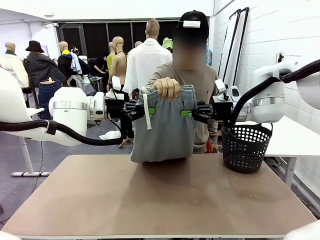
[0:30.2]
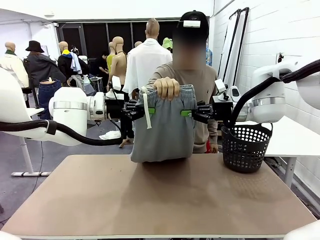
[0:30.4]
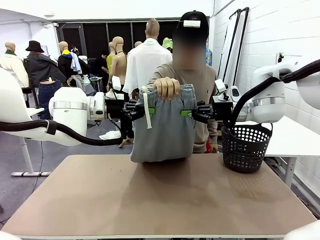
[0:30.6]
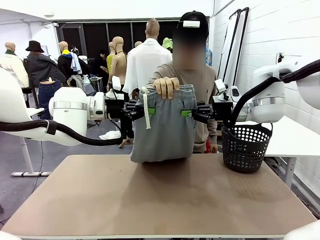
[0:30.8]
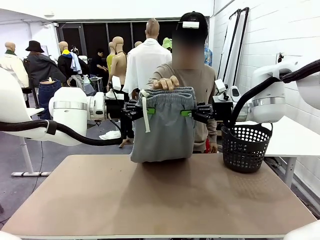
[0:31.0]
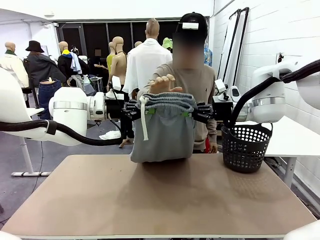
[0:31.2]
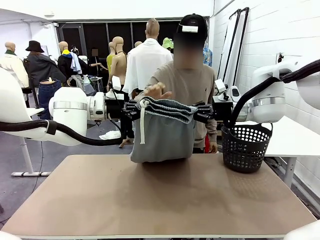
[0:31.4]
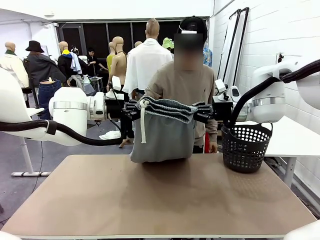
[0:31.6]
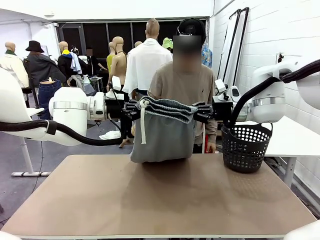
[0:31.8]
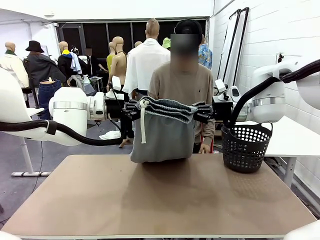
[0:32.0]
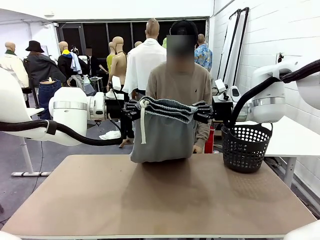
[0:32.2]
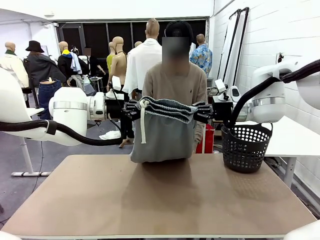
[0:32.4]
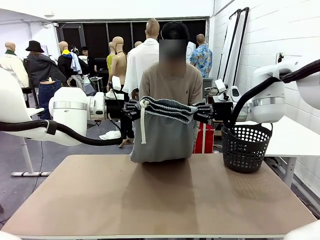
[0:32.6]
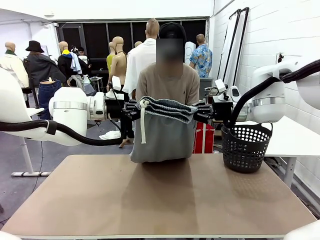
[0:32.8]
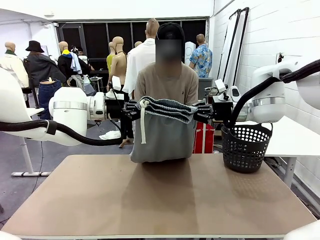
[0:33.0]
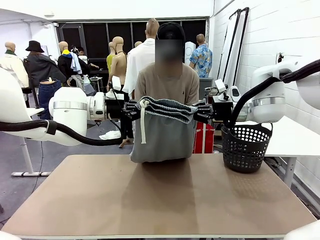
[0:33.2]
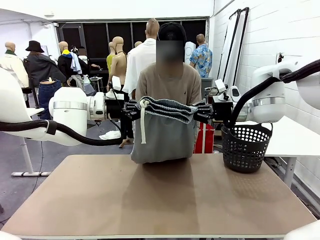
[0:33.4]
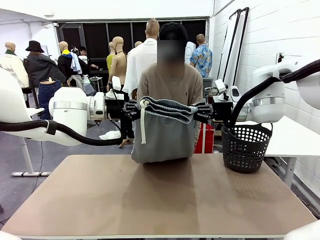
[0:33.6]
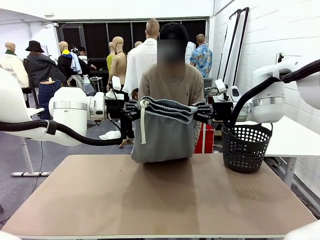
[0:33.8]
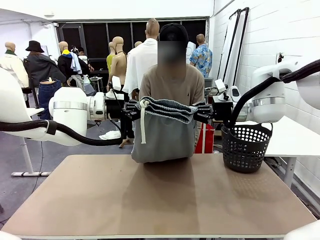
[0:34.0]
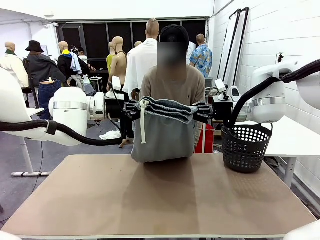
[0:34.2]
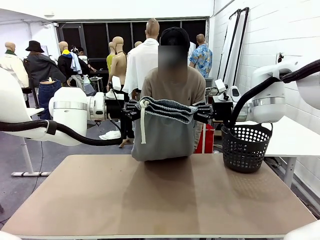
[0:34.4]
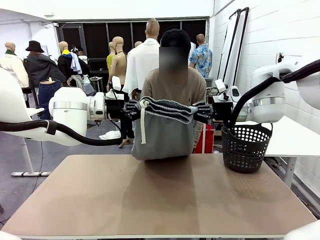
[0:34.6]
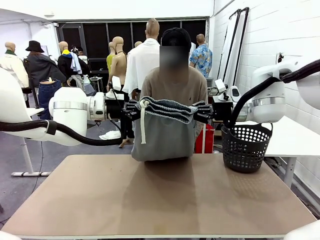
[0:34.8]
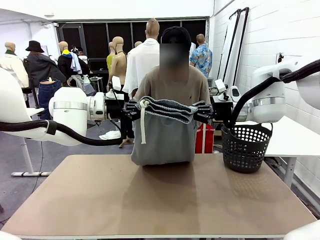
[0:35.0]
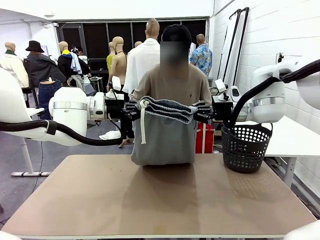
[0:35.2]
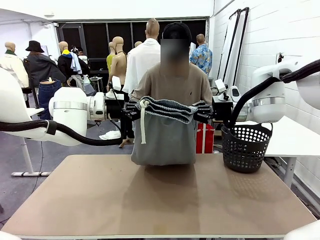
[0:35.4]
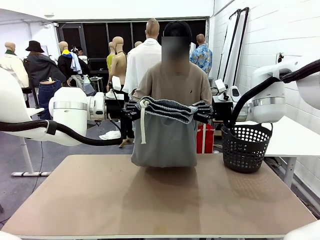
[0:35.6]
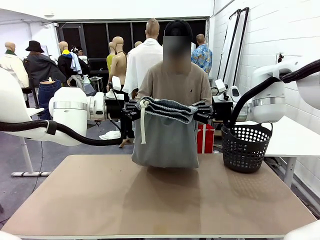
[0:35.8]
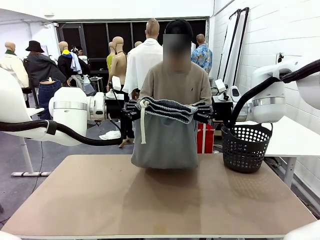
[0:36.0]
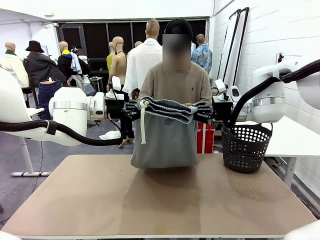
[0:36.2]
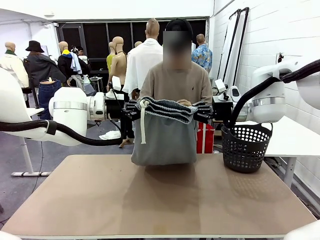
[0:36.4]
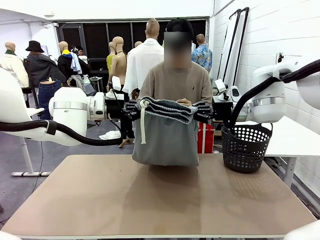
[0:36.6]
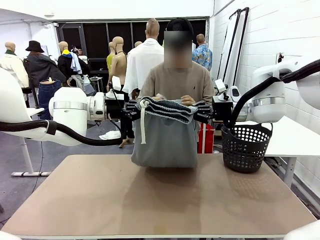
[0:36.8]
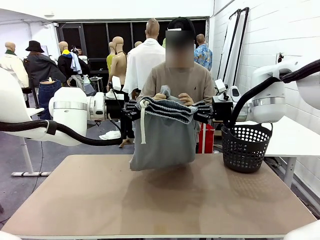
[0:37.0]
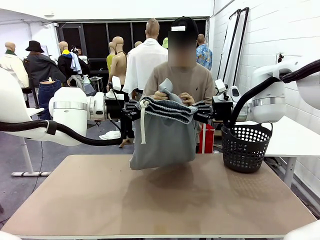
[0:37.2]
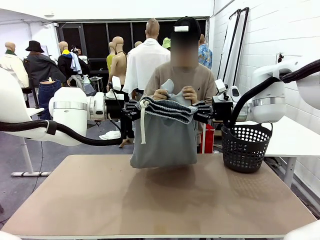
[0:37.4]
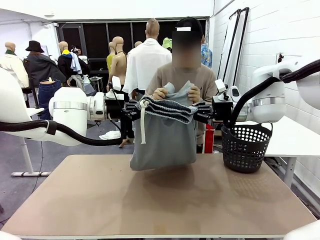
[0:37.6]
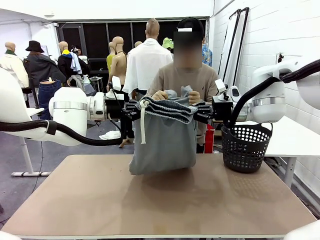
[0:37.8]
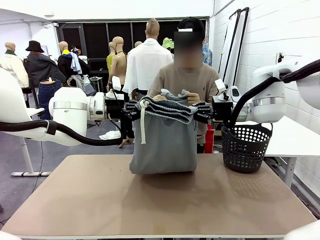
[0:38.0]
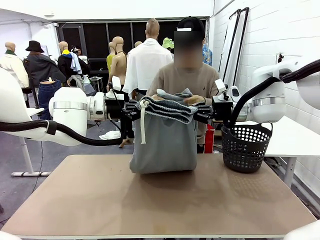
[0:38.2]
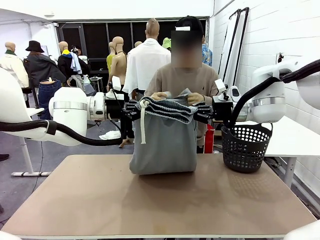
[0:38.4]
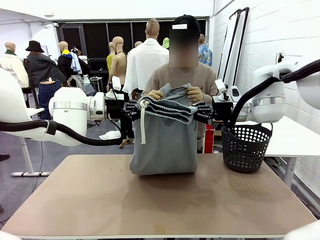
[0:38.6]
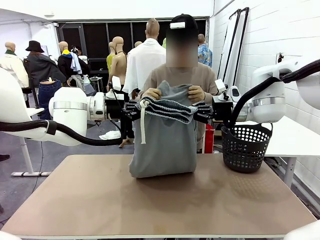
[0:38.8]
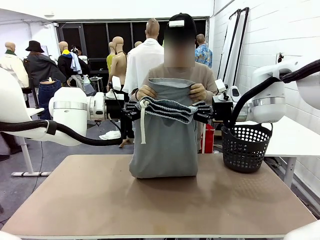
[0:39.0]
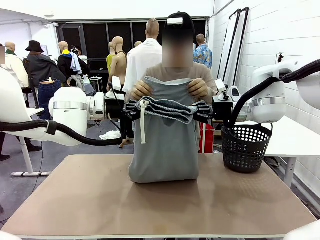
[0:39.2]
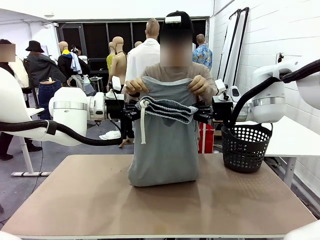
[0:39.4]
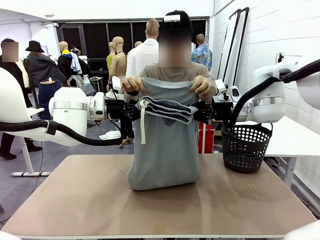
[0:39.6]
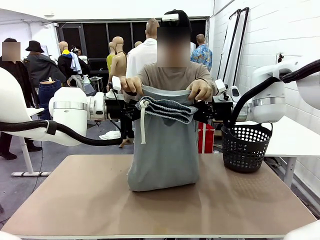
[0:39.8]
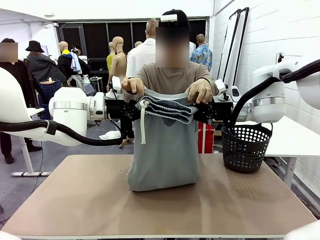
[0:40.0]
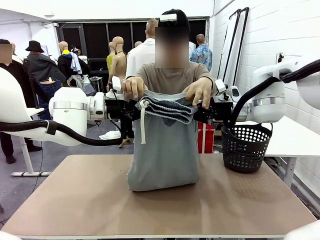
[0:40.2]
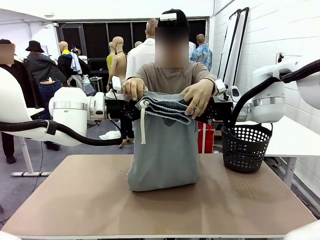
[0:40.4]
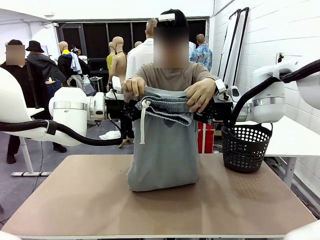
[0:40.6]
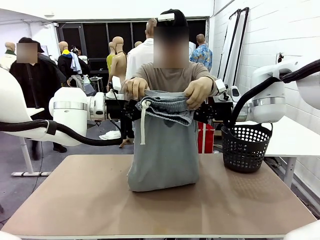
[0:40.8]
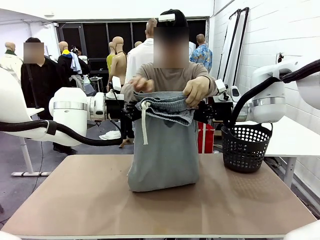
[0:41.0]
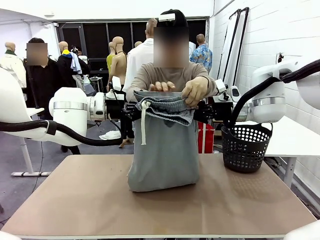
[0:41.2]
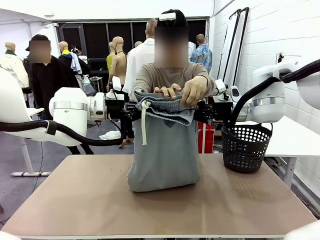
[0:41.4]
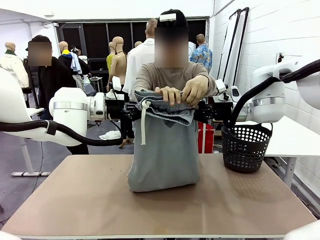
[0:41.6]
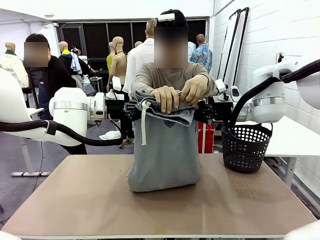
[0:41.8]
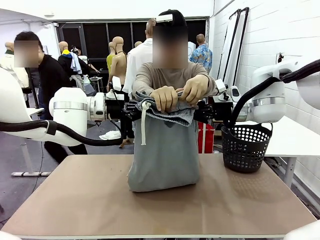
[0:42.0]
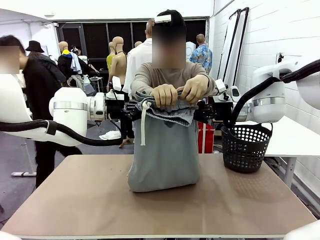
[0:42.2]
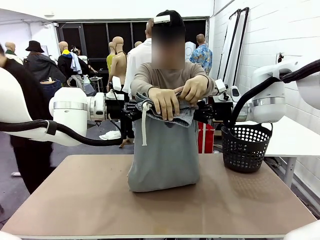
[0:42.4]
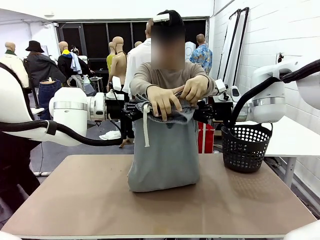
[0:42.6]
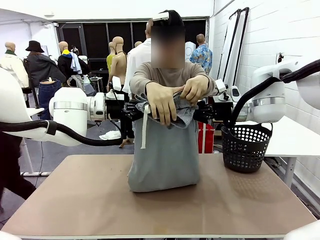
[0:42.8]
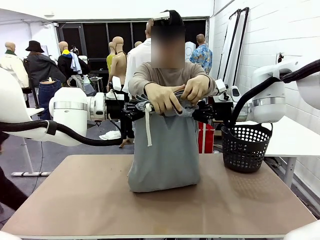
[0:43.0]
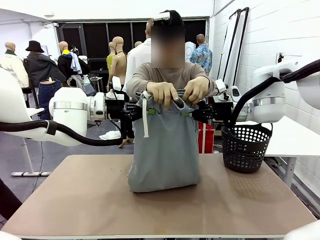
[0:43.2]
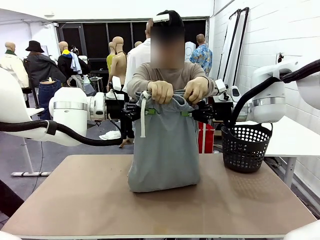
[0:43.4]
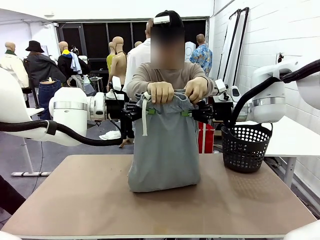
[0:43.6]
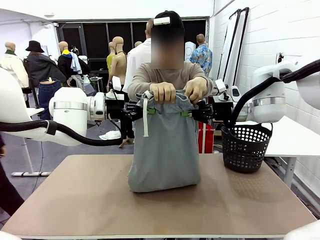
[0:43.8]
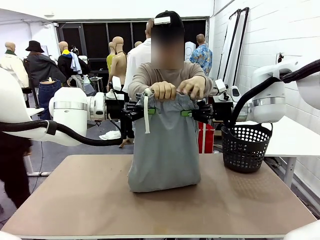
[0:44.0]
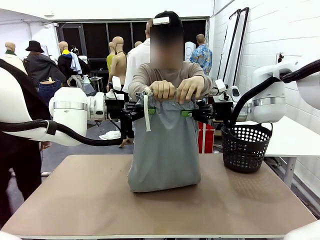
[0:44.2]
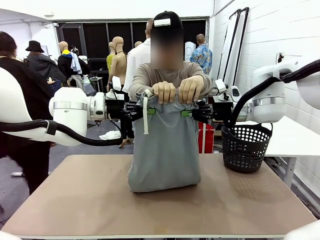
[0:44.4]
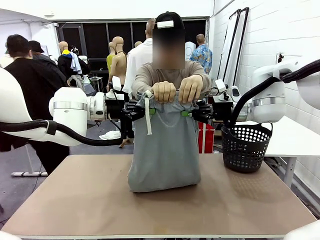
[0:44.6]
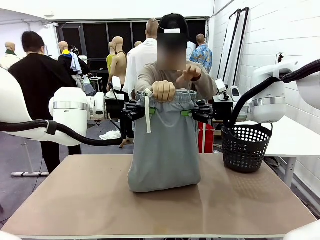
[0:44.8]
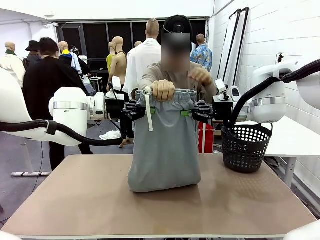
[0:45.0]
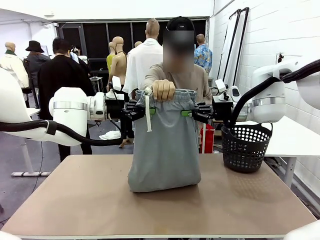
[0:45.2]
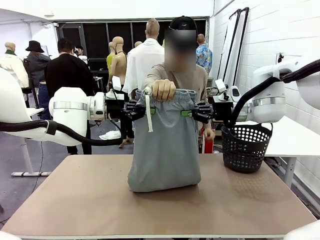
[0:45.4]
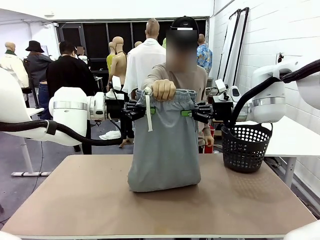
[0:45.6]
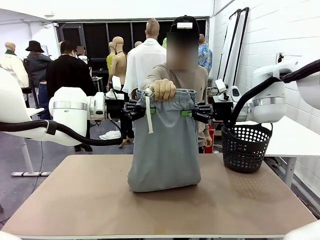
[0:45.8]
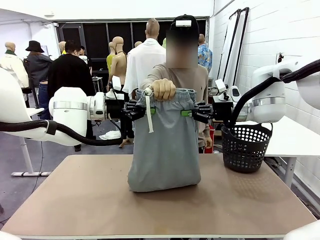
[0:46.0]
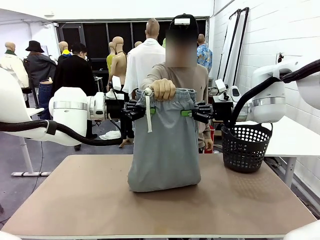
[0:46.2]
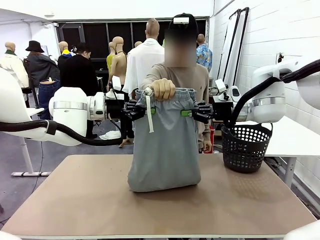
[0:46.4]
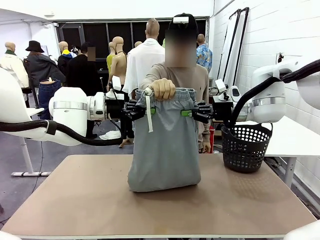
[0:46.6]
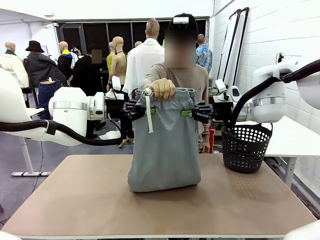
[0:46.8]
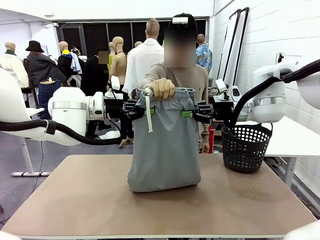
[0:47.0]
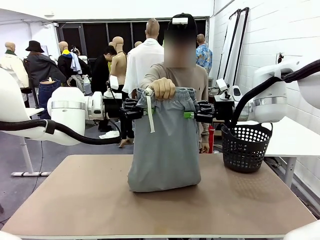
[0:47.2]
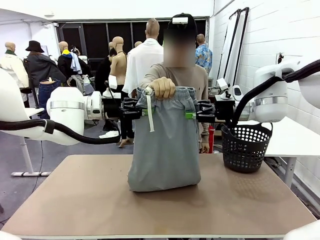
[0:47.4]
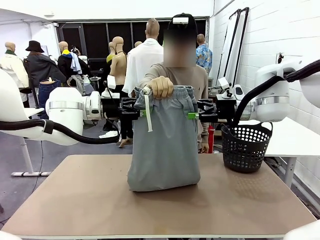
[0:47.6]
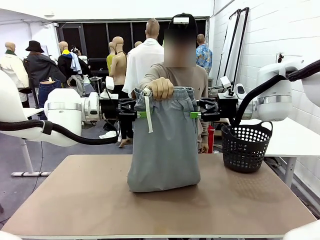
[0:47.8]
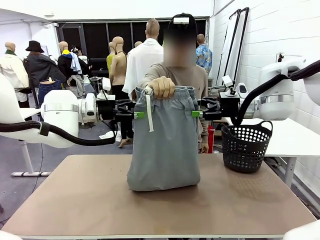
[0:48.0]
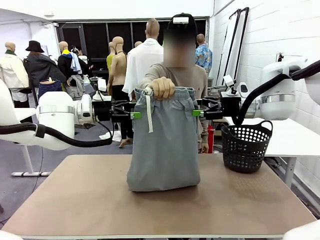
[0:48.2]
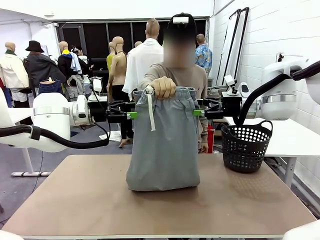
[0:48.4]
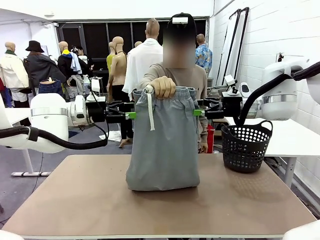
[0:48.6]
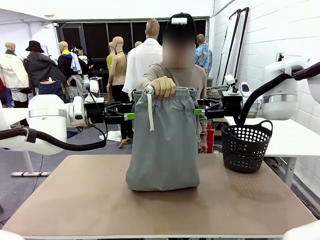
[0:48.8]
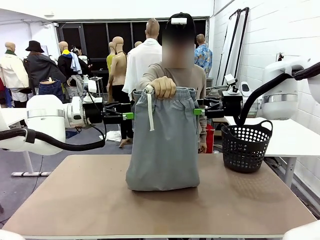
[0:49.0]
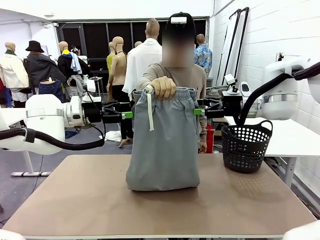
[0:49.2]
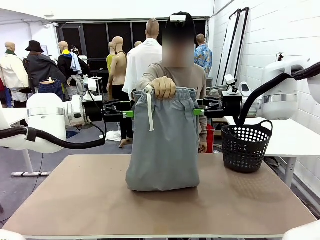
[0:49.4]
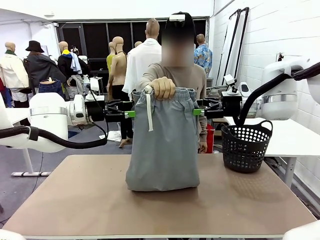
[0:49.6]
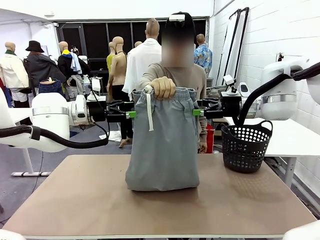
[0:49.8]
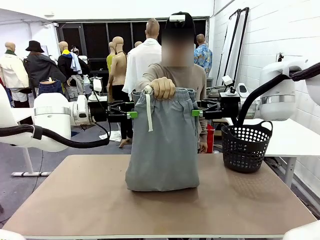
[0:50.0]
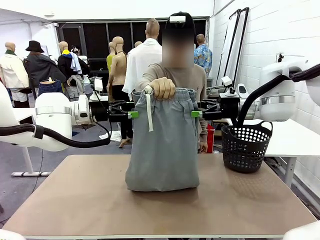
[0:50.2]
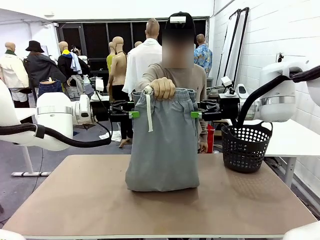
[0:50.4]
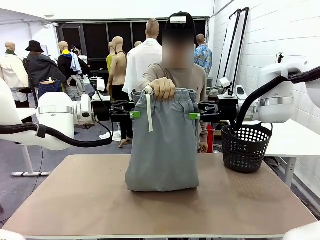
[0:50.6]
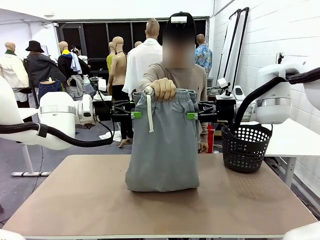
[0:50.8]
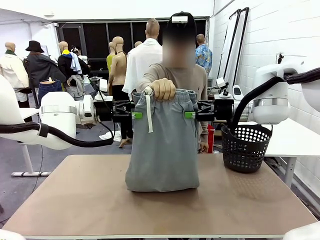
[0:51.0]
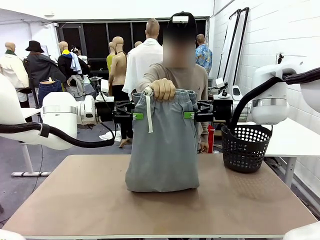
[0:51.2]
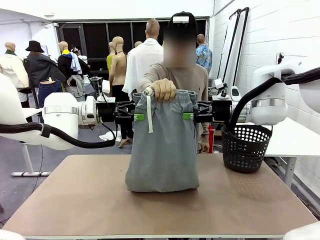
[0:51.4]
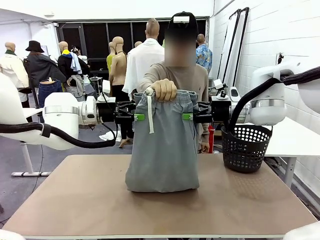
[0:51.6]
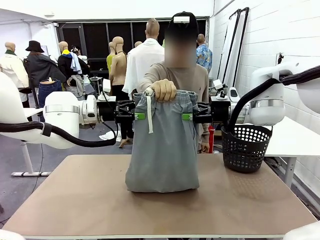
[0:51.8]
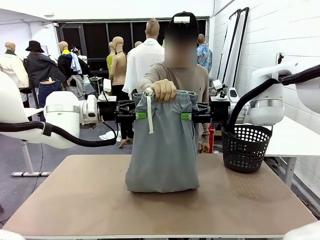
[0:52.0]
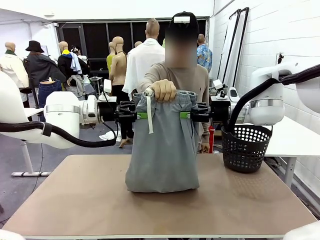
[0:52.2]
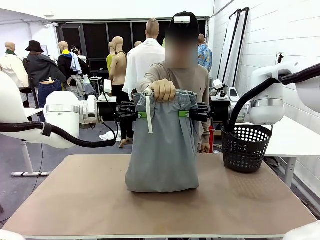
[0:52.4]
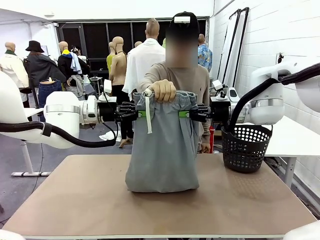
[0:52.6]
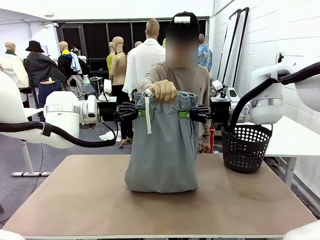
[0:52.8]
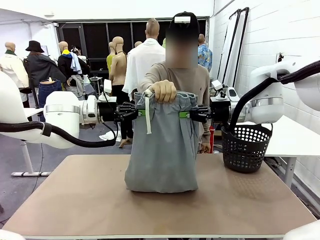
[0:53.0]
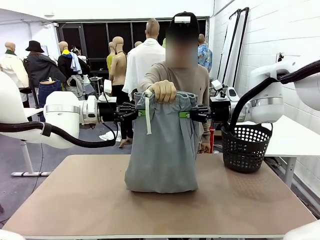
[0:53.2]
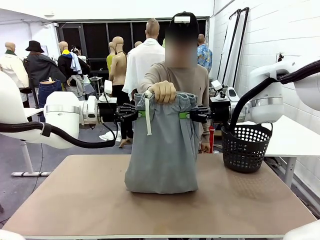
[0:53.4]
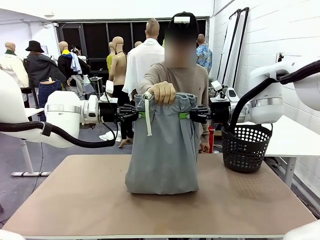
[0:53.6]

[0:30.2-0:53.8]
Task: Fold the training pants.
Robot: Release the ends of the Training pants and then grab the overlapped ends.
Person: Grasp the end opposite the point the robot is holding, fold the pants in half, and then grasp the overlapping top end of the folded pants. Release the pants you were holding.
